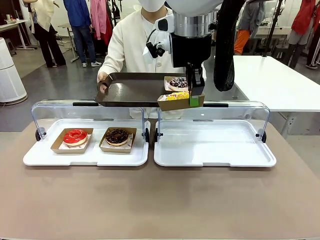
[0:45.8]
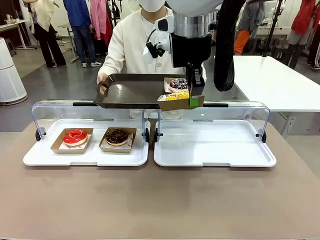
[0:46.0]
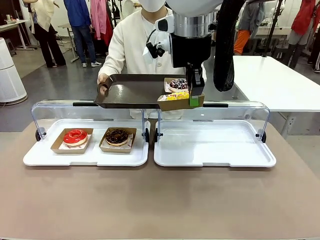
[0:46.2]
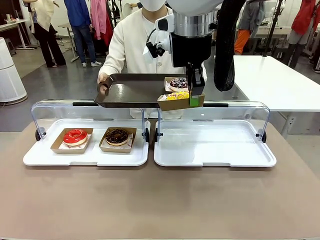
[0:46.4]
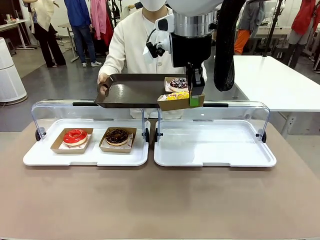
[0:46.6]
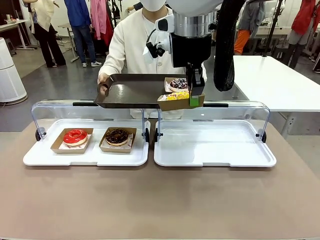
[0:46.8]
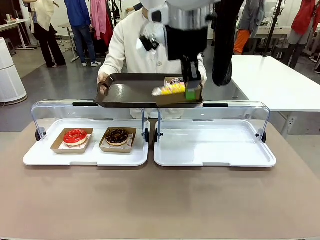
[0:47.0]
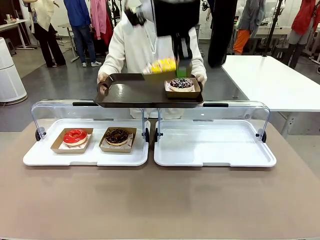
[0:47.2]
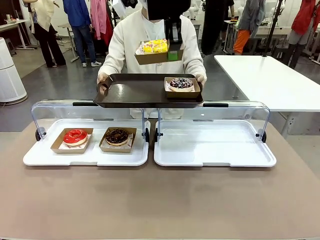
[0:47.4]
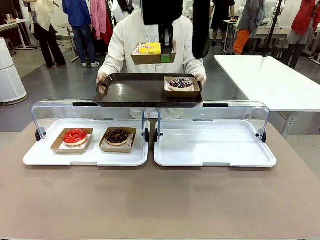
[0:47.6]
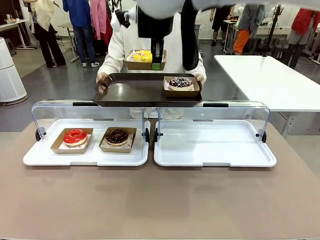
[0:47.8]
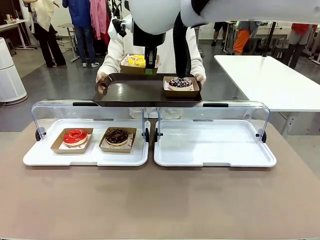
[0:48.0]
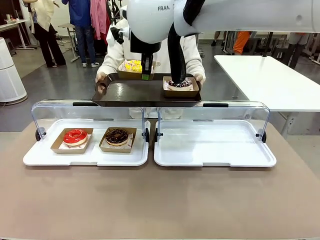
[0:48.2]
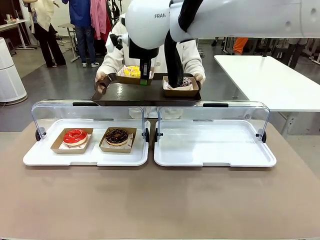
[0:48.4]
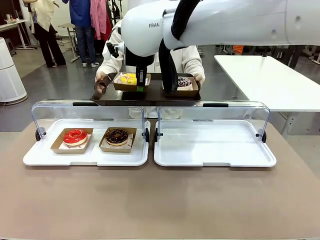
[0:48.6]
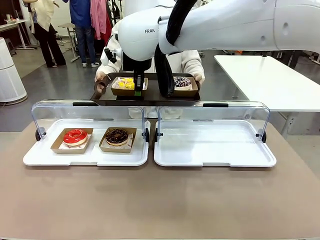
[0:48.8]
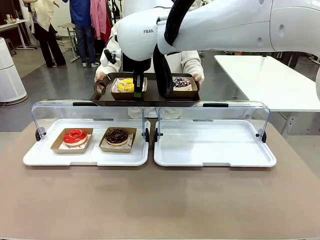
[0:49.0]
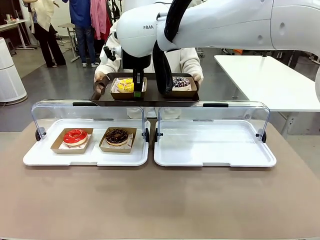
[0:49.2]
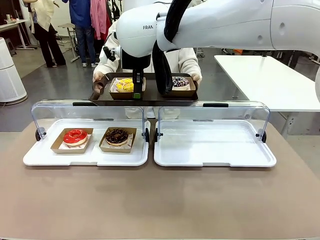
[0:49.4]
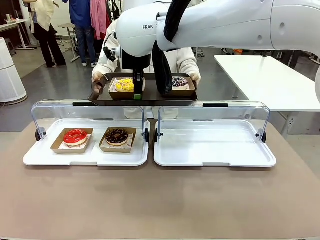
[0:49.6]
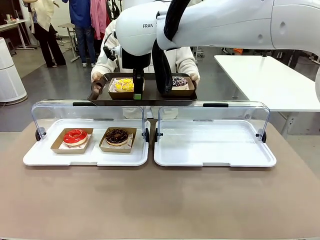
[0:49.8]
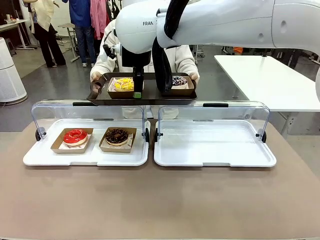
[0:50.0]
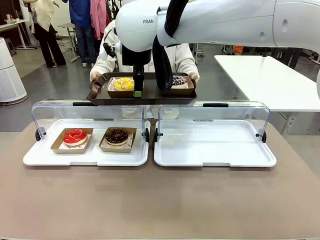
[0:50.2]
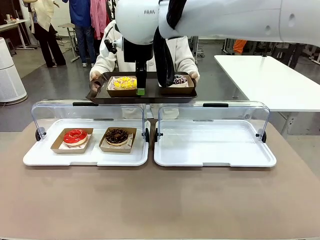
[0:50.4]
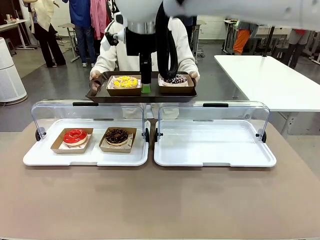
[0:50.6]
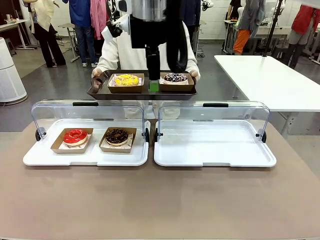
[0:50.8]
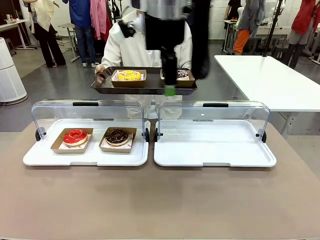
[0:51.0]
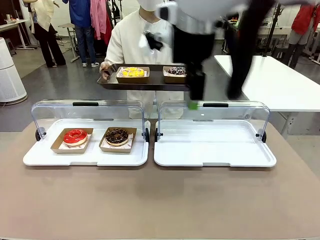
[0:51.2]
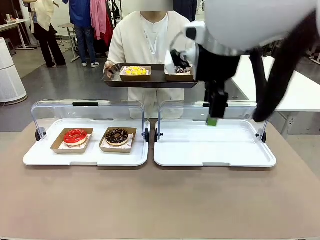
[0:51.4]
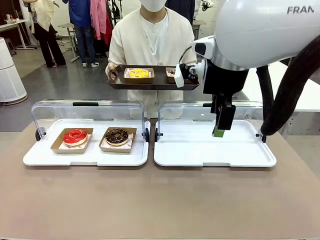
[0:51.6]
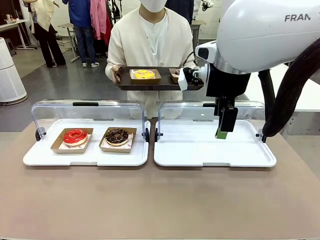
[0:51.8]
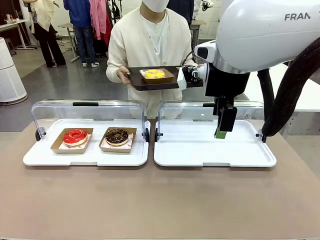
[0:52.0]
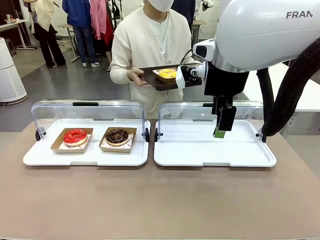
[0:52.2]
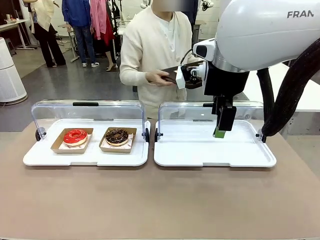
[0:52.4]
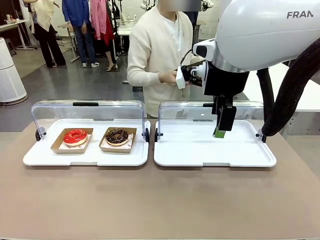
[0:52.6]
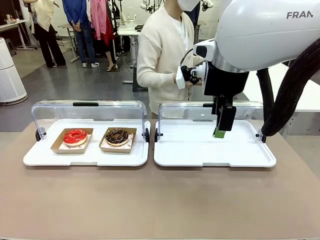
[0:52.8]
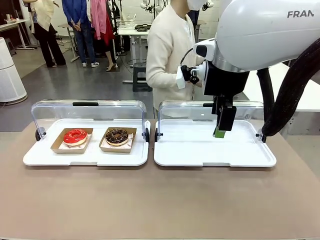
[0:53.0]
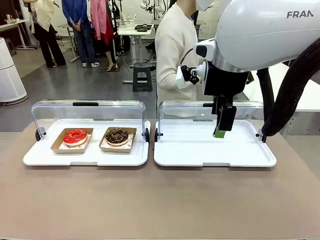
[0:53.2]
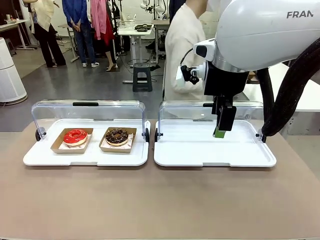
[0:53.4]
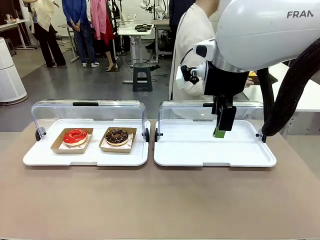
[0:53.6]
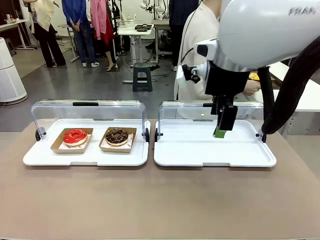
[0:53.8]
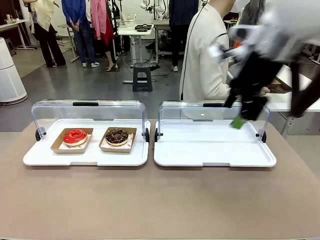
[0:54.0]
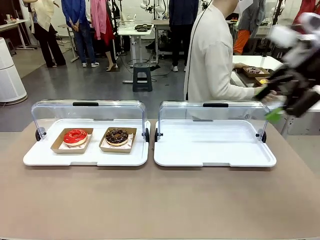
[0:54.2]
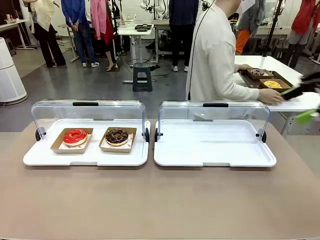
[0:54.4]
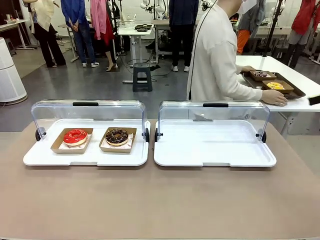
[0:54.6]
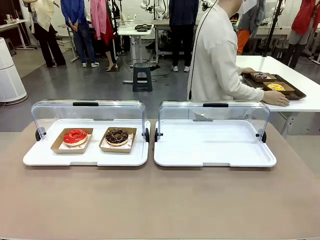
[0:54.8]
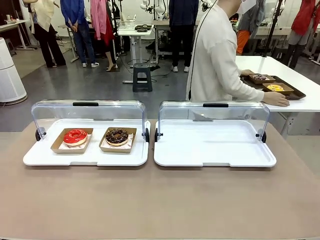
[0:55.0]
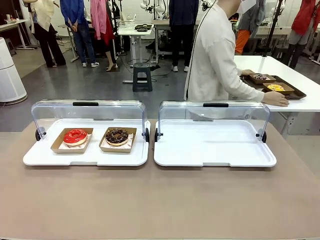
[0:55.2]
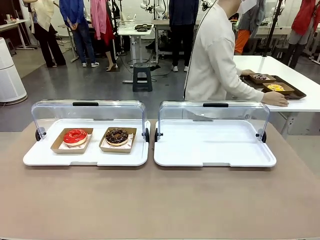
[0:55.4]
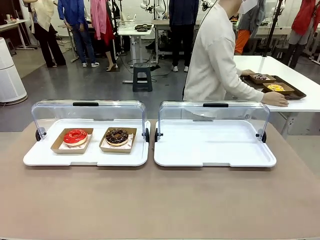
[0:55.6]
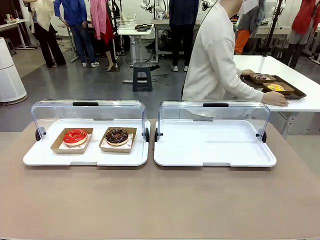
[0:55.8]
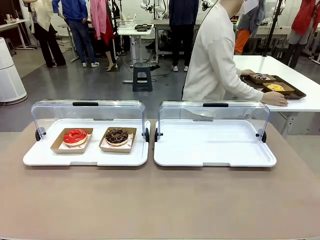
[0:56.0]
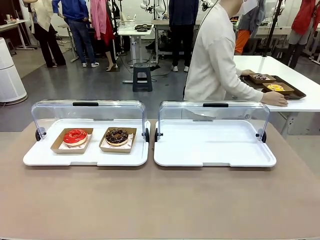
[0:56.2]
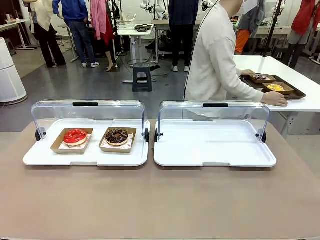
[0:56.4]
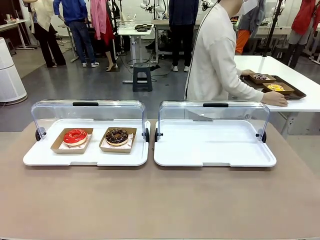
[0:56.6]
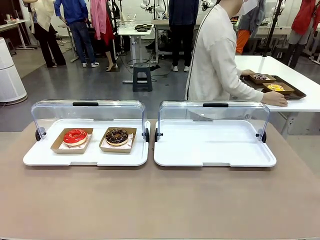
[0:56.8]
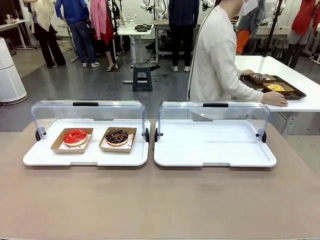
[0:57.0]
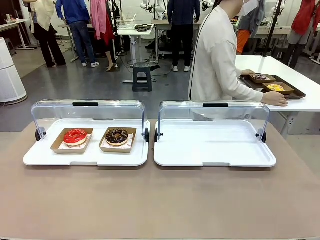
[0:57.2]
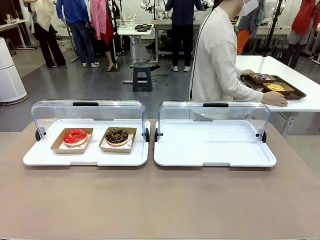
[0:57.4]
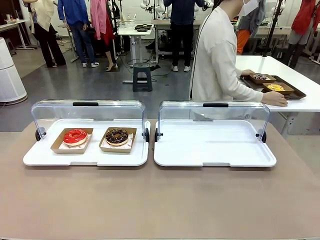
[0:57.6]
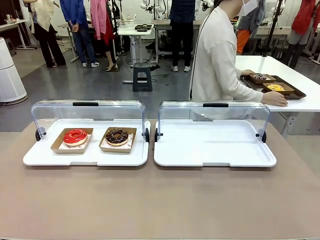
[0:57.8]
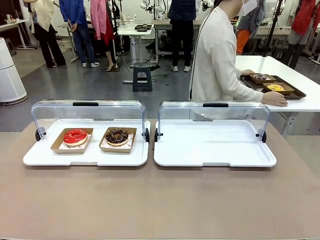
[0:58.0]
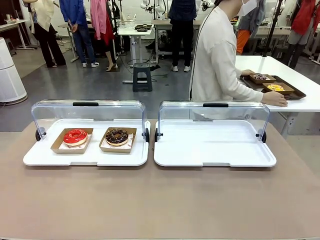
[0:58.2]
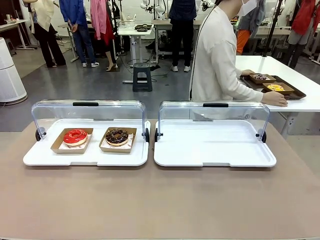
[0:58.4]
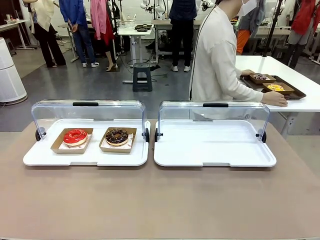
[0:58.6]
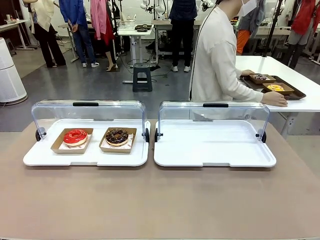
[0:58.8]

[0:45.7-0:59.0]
Task: Provide the desired donut to the person.
Robot: Place the picked Paper togo box onto the Handle tray extended by the person.
Person: Place the tray in the middle of the human table.

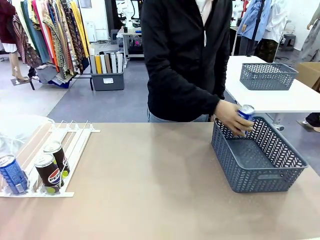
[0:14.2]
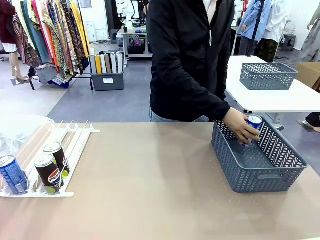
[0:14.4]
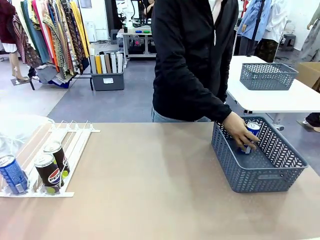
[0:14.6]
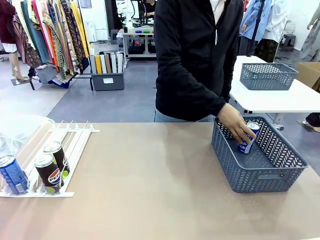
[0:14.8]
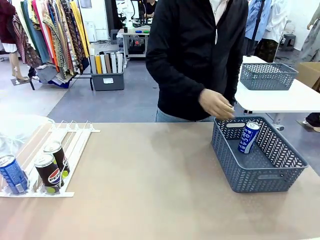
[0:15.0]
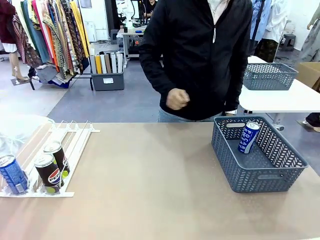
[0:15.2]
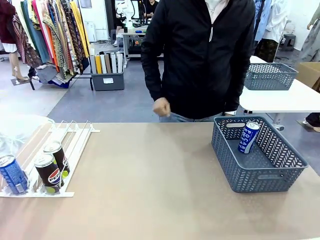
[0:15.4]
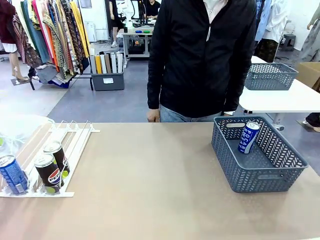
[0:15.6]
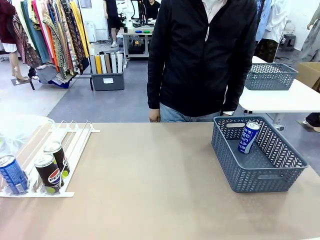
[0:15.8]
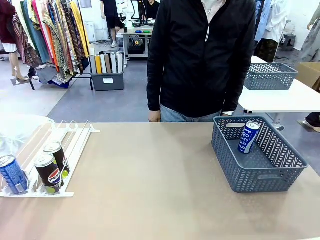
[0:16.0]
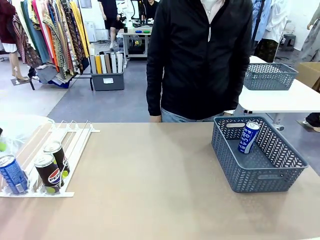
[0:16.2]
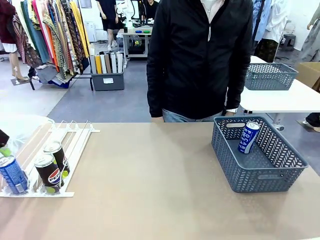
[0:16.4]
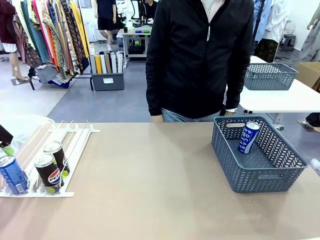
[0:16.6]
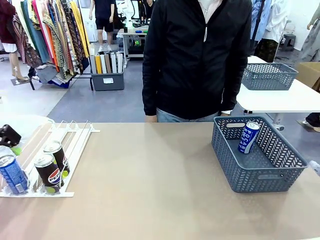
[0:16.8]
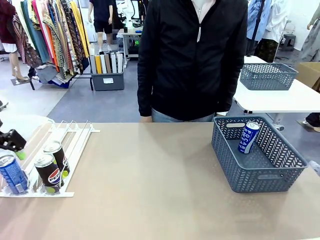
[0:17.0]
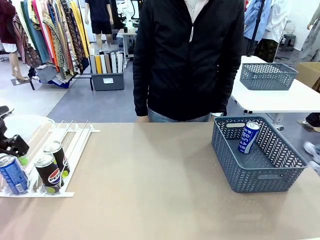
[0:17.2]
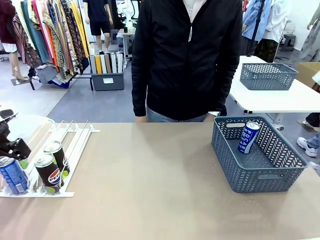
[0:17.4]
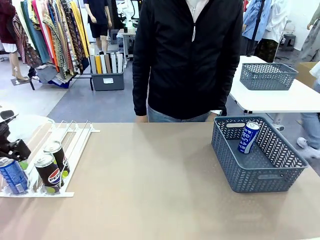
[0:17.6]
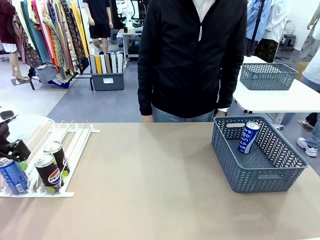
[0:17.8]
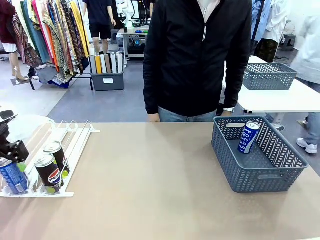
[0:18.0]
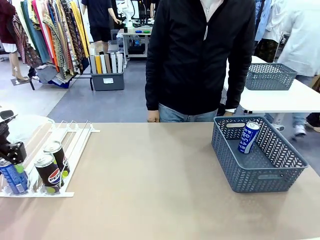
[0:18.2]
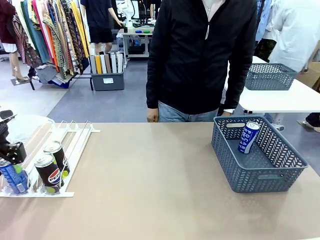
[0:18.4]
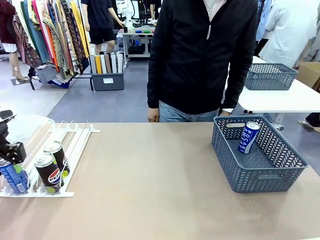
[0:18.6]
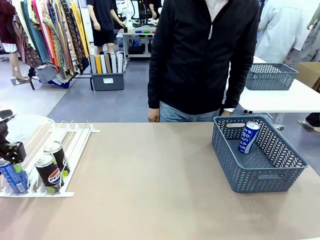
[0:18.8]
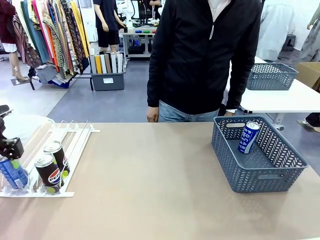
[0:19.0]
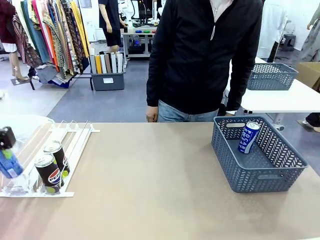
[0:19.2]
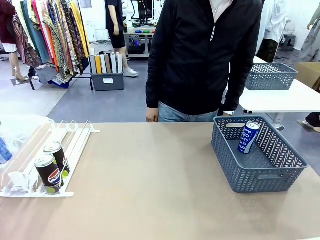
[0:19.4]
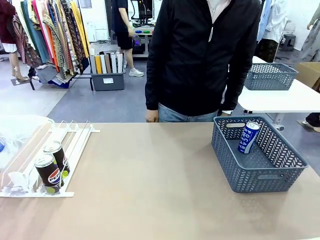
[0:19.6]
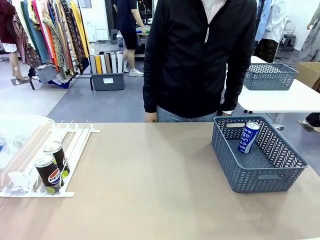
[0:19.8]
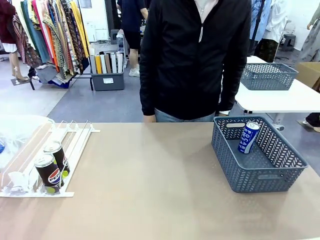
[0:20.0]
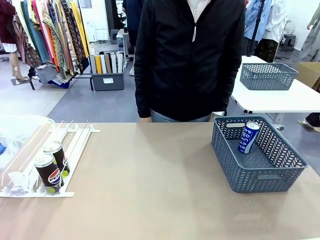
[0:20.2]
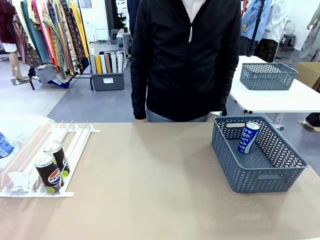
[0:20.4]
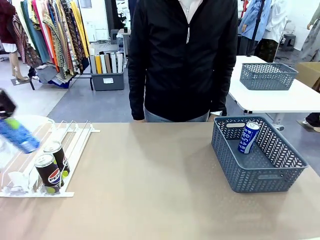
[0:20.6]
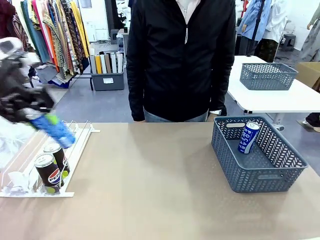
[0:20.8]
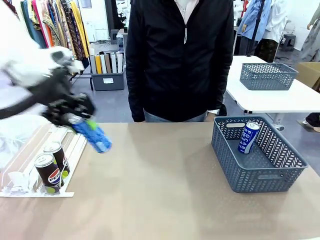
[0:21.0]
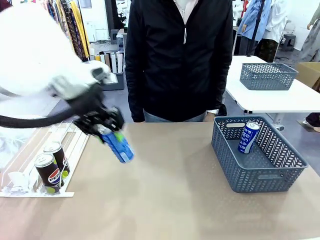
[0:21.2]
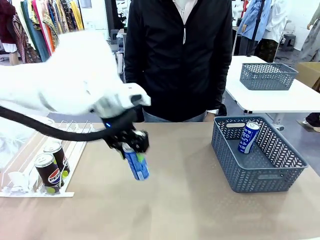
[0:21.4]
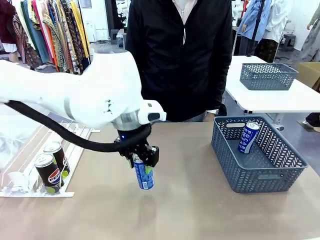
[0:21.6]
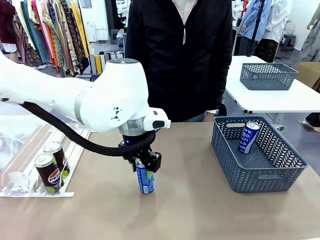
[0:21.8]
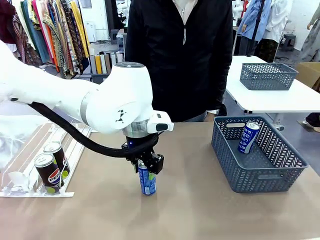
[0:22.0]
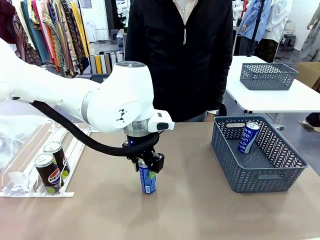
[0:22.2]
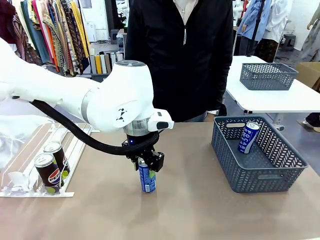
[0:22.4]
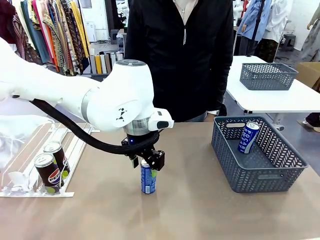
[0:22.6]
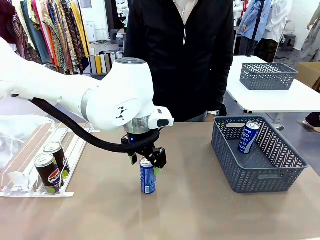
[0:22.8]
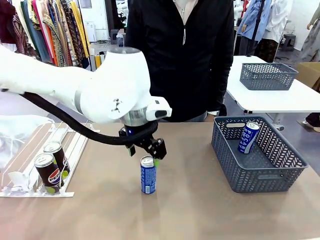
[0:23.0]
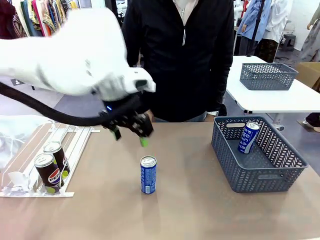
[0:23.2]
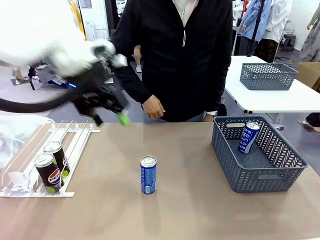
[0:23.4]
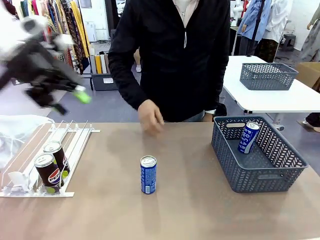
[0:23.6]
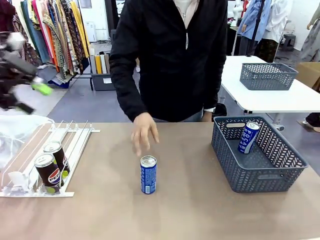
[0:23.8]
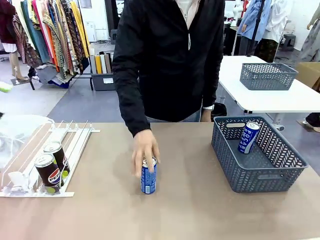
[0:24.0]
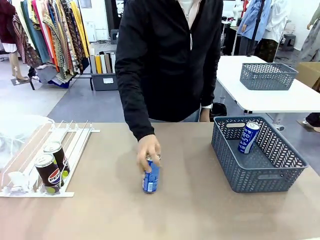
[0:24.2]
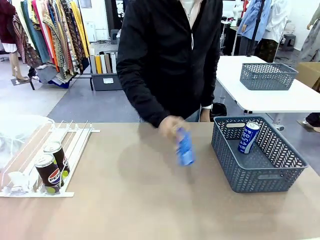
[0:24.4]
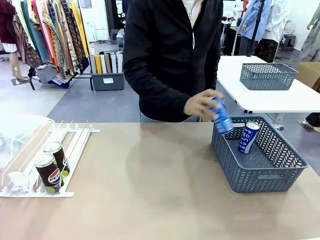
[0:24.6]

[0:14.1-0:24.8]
Task: Retrieve and store the cans from the dispenser.
Robot: Pick up the last remaining can from one row of the Automatic Can Dispenser and place it in the middle of the table.
Person: Pick up one Pepsi can from the middle of the robot table and place it in the basket.
